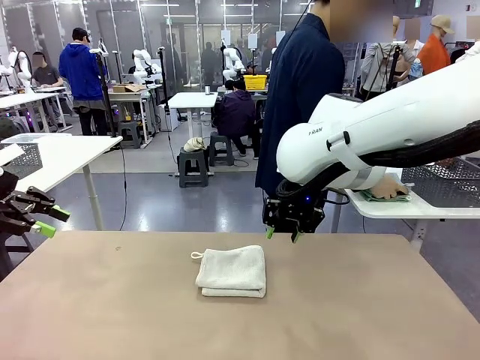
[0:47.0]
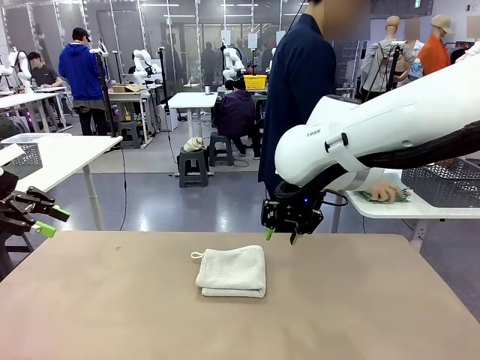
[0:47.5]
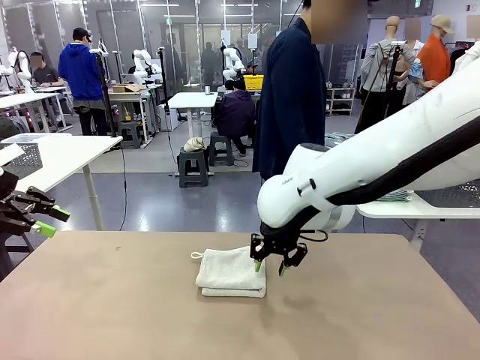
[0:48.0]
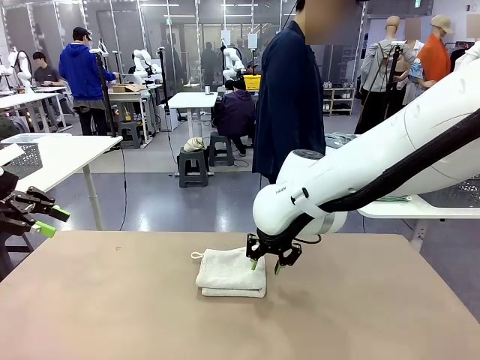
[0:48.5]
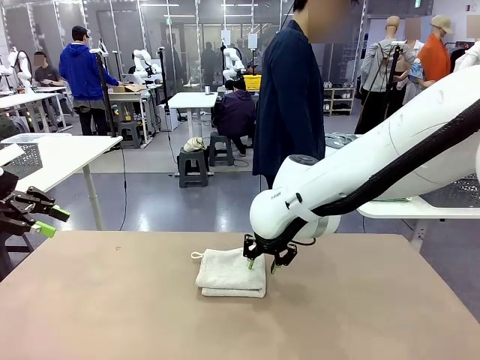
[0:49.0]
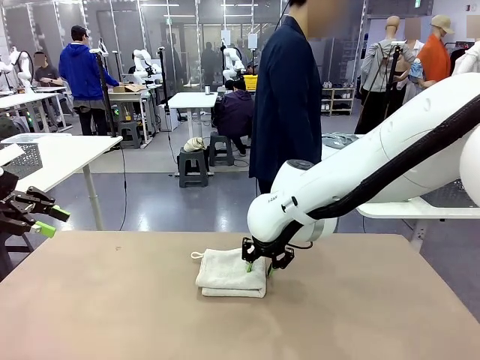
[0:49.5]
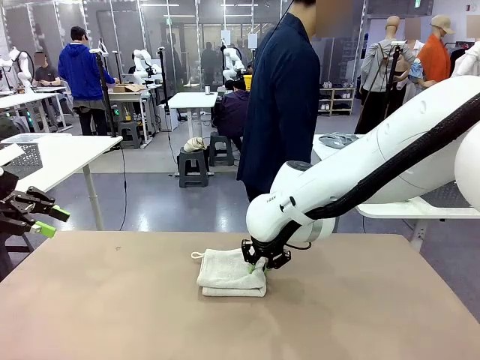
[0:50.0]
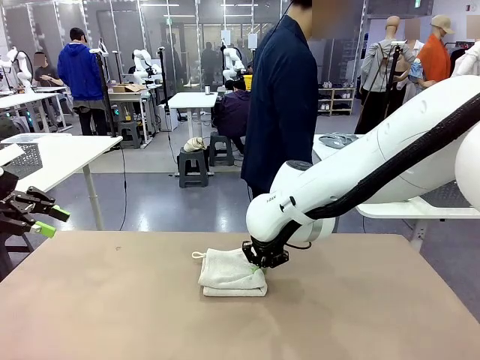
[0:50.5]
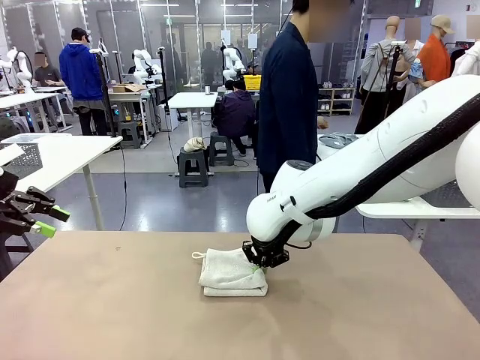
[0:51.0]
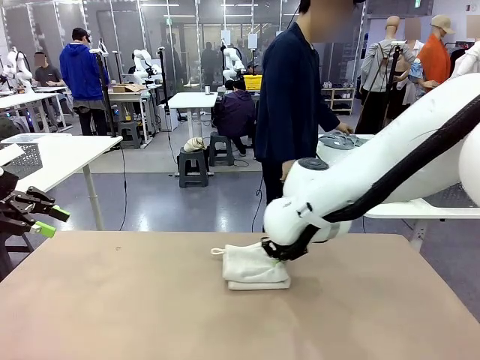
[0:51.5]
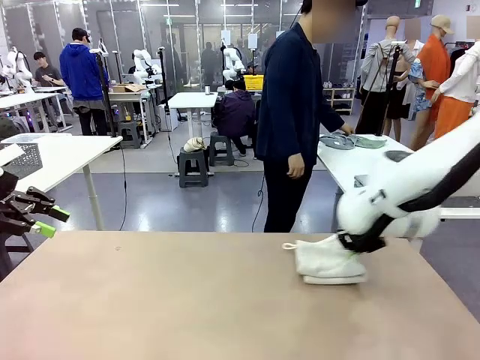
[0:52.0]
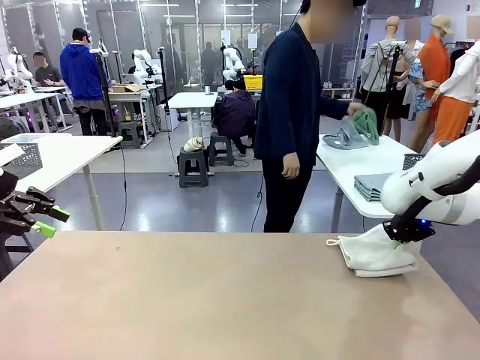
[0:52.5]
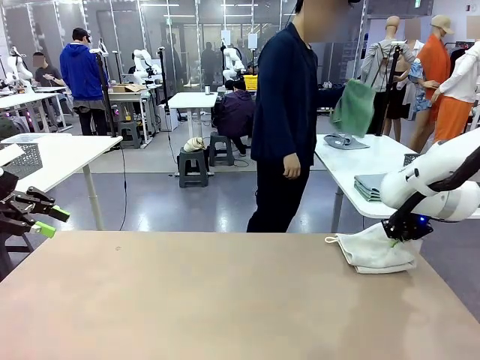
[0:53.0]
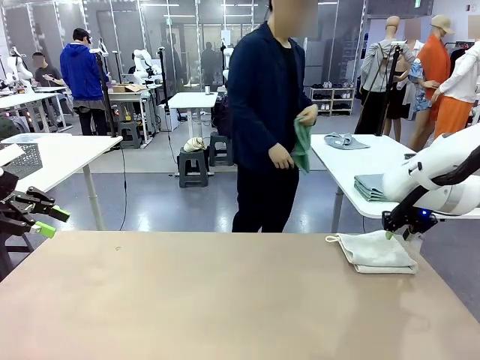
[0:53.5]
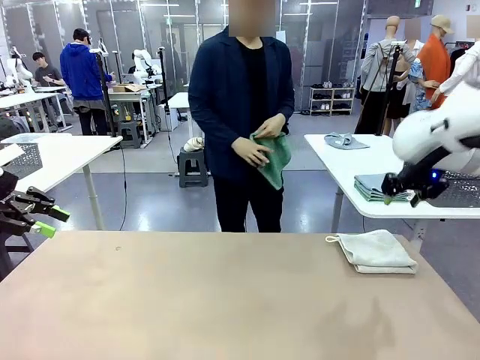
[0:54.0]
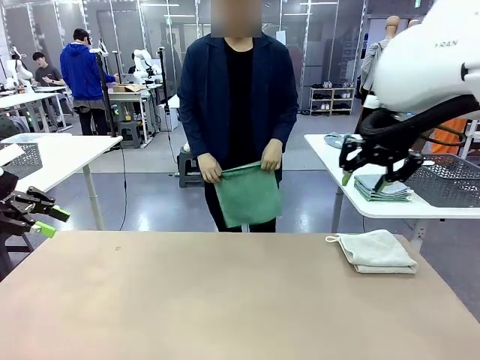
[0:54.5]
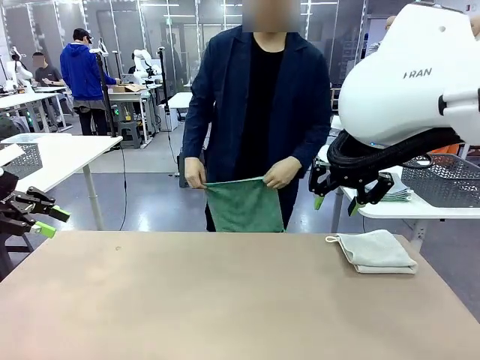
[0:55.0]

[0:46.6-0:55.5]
Task: Fold the towels and place them in the basket.
Robot: Place the folded Towel with hook on the right side of the table.
Person: Pick up one towel from the left side of the human table and spread it out at the center of the robot table.

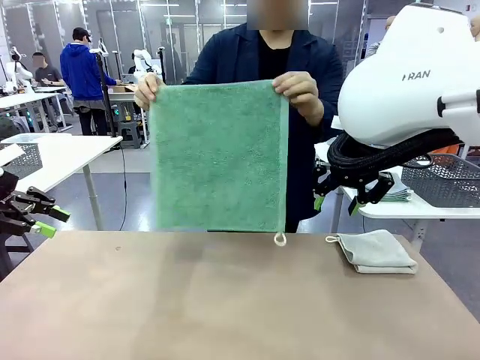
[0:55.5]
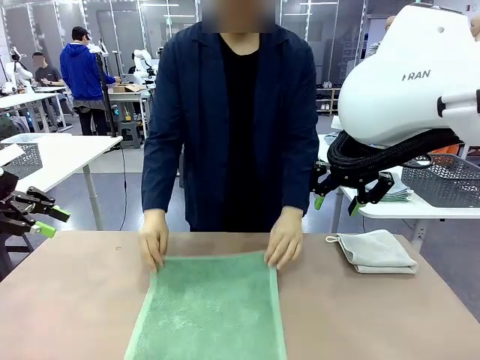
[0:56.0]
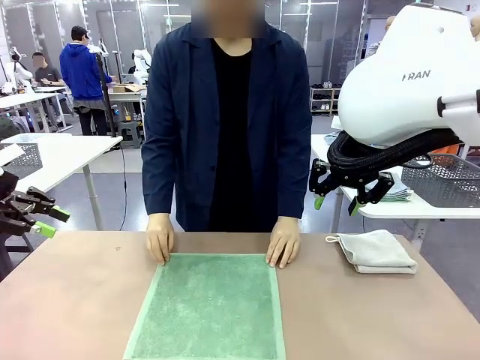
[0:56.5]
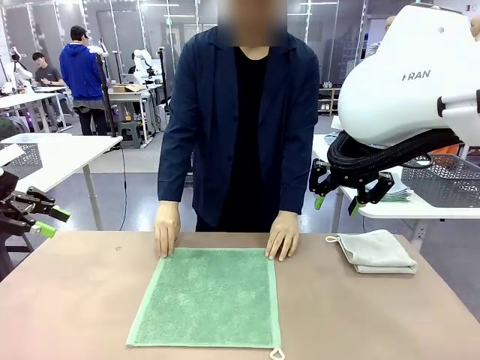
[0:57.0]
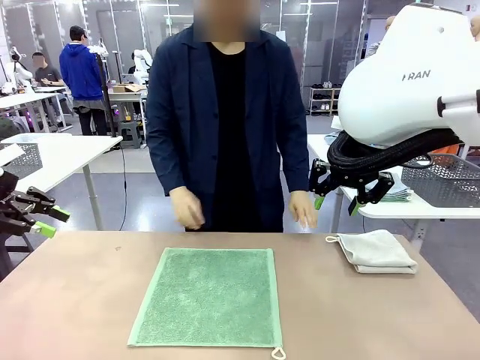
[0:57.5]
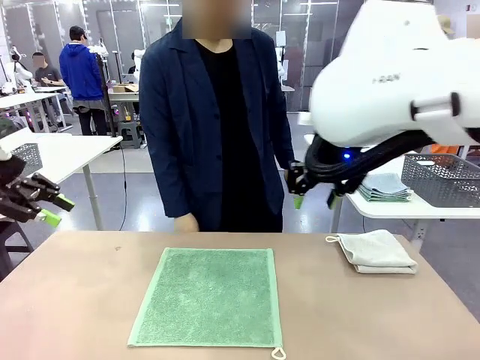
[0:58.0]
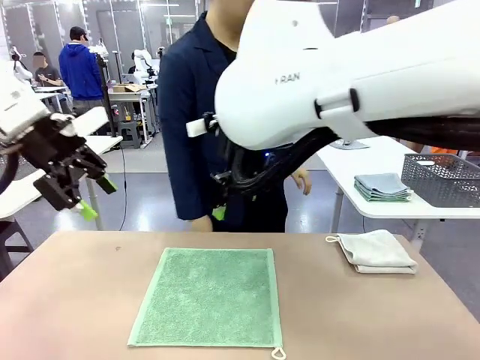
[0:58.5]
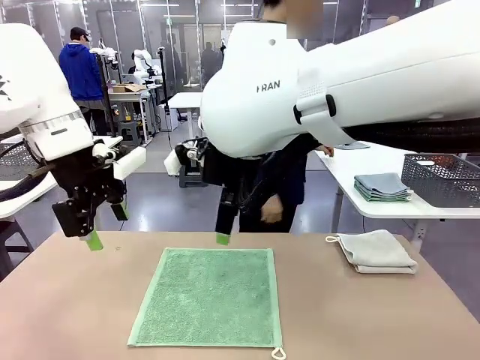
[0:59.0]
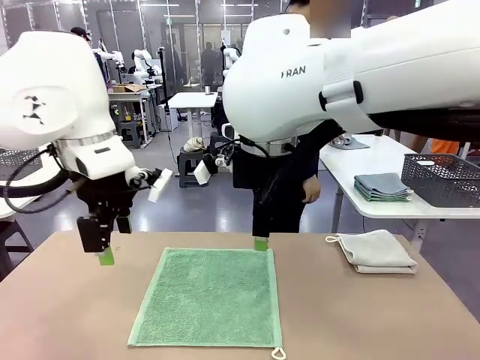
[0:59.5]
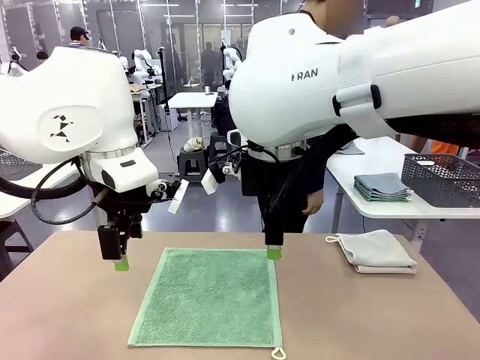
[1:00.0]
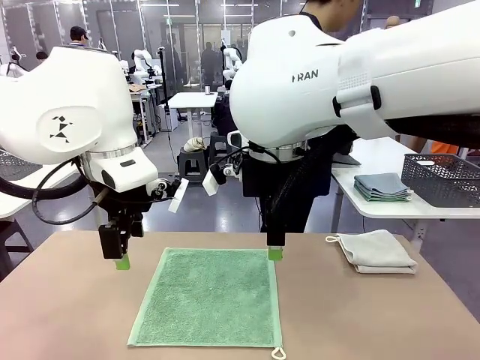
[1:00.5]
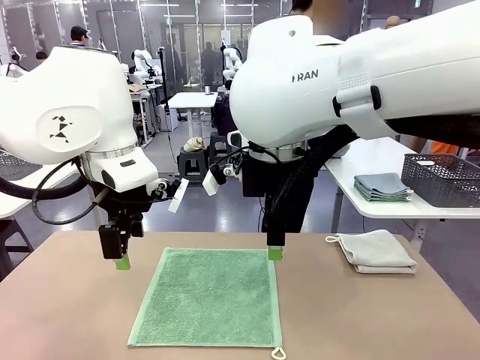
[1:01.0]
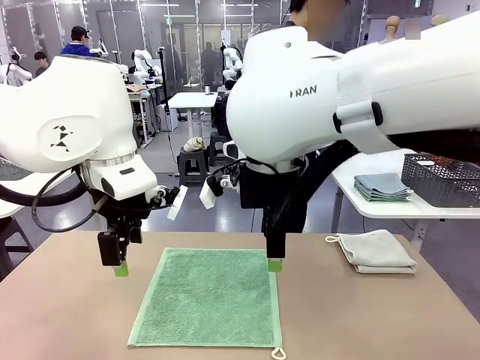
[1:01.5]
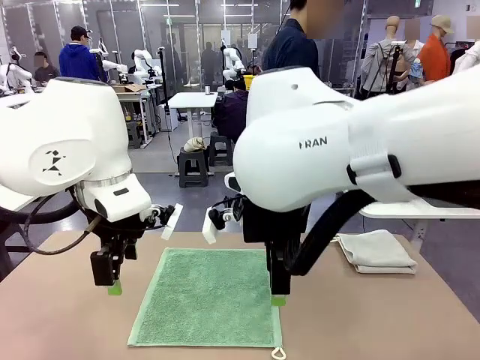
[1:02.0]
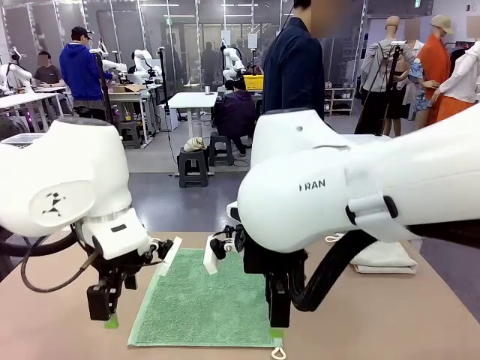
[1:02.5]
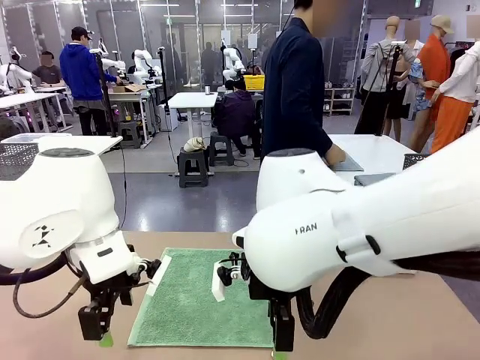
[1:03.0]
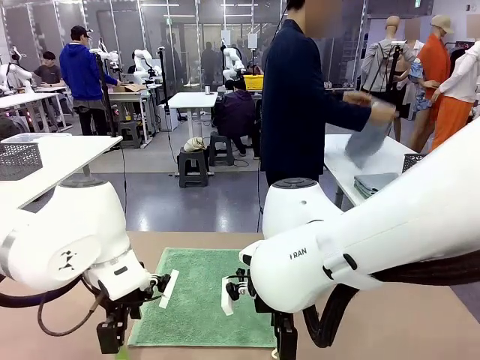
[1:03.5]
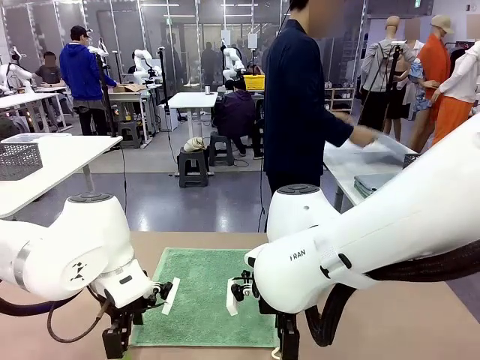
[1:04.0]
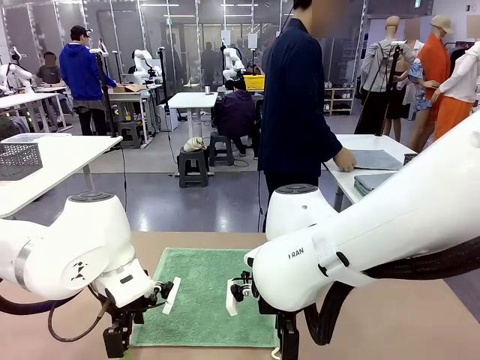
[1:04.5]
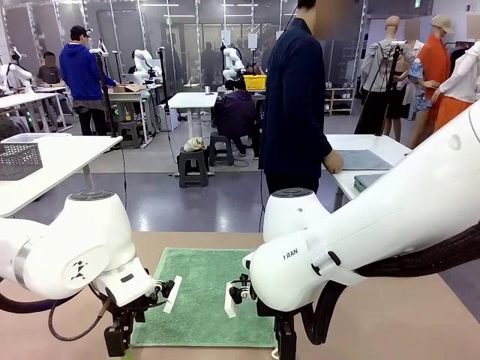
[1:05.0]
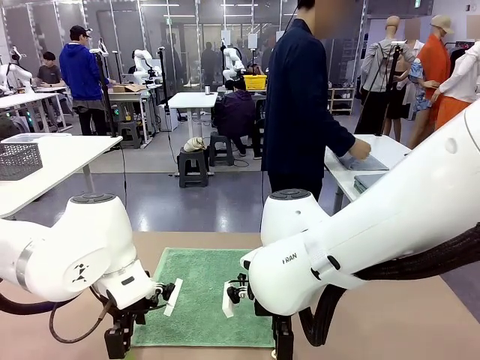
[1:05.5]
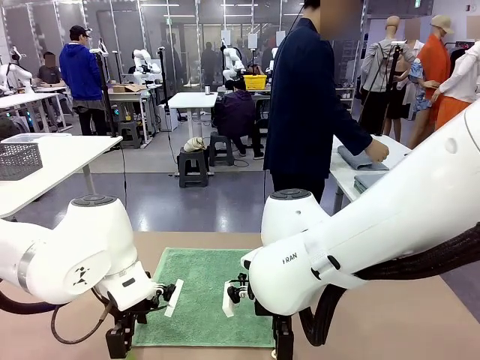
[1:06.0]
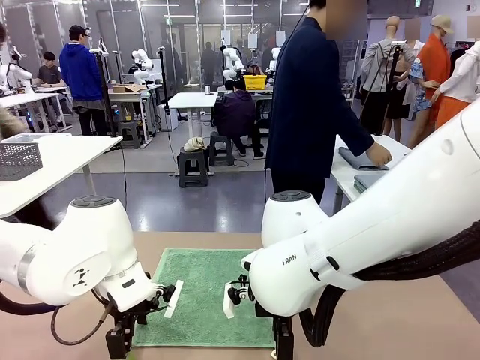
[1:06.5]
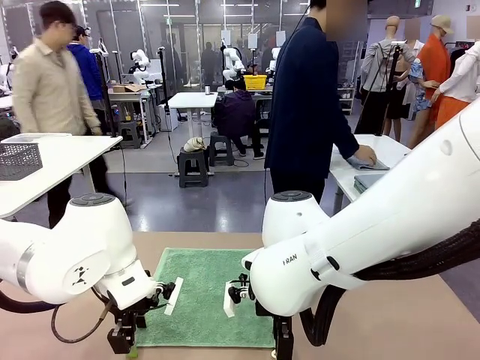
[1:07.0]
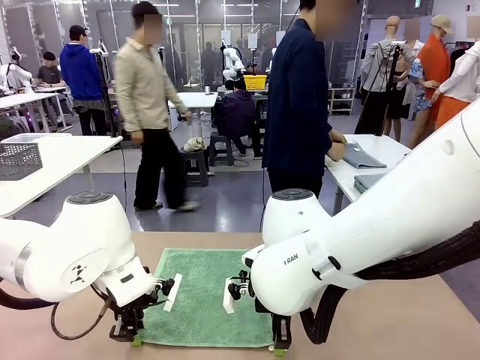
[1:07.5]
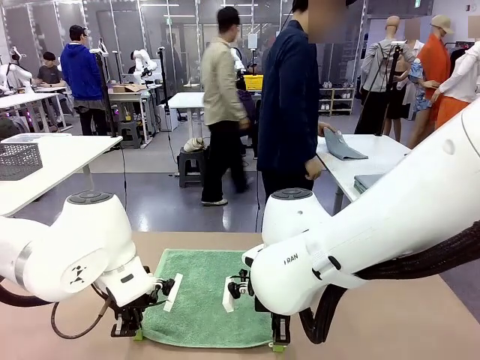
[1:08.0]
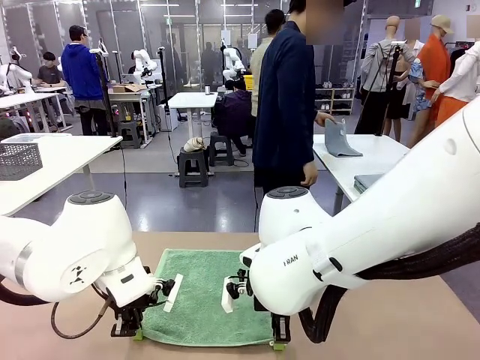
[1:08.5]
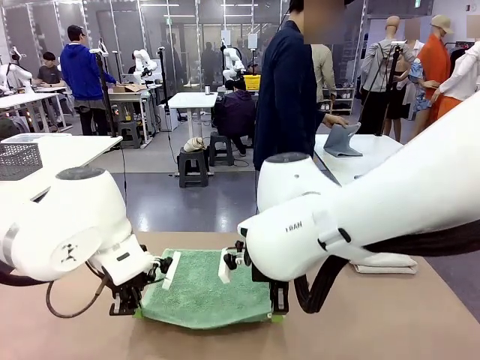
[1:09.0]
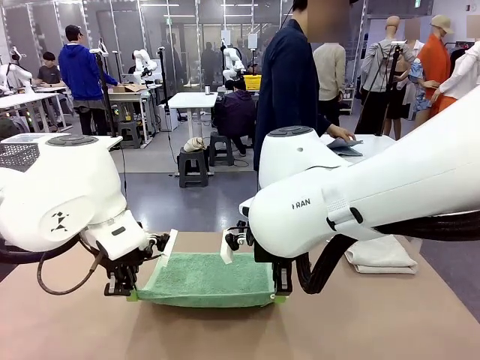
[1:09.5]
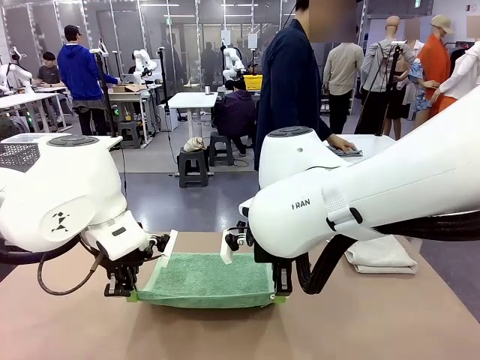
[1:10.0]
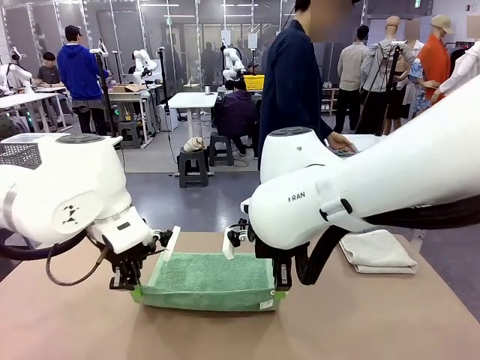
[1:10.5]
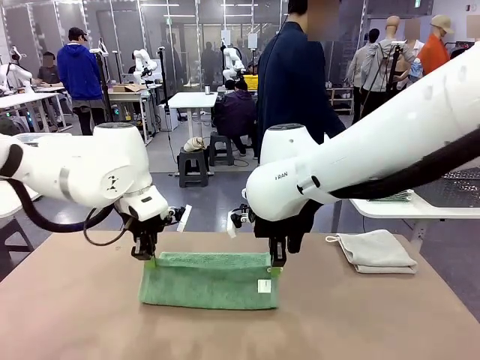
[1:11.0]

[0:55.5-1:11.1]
Robot: When a person lays out a Towel with hook on the table, fold it in half twice.
Person: Pick up one towel from the left side of the human table, fold it in half twice, and stack it on the right side of the table.

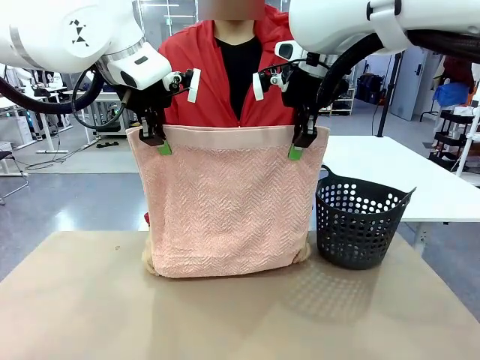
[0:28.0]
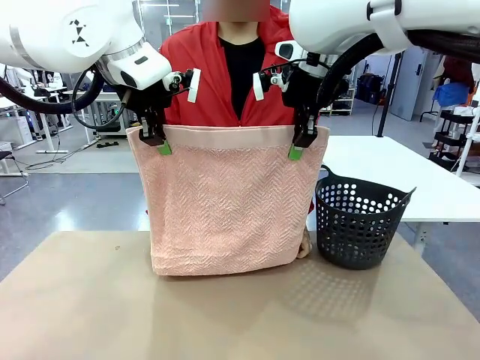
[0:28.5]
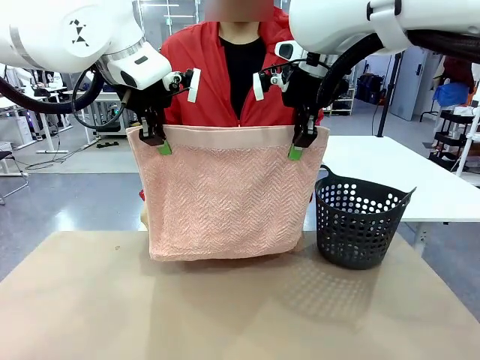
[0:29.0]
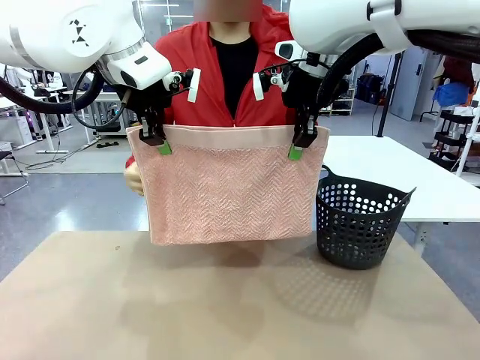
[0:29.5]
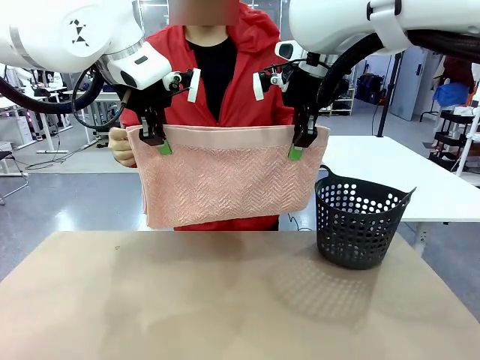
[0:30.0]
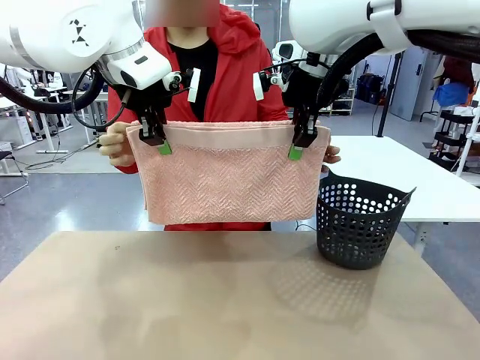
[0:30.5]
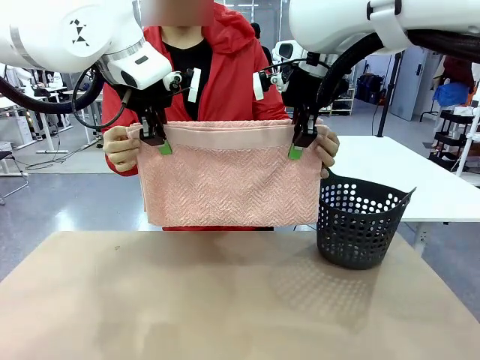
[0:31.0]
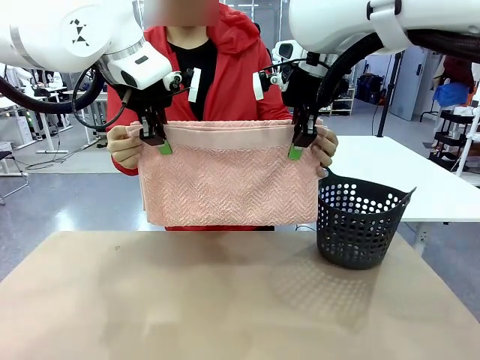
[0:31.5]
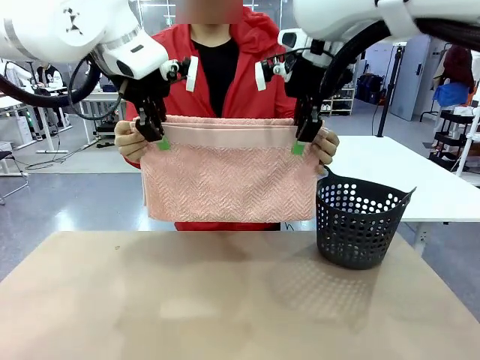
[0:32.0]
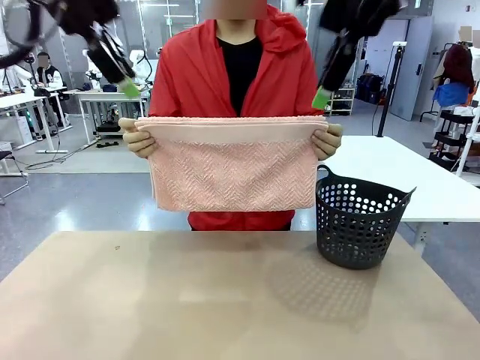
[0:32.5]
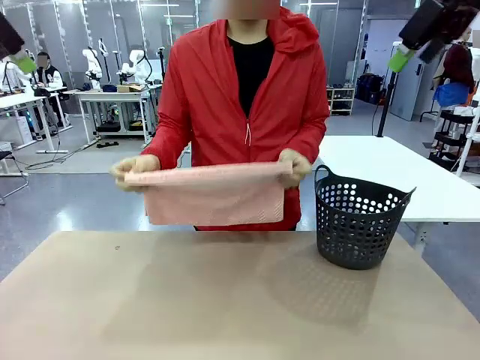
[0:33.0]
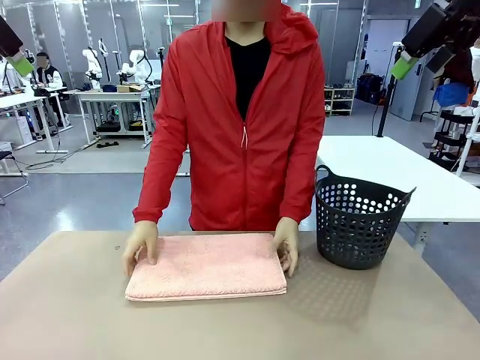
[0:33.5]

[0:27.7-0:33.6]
Task: Fold the towel.
Robot: Release the end of the 100 cm Hotel Towel you were holding.
